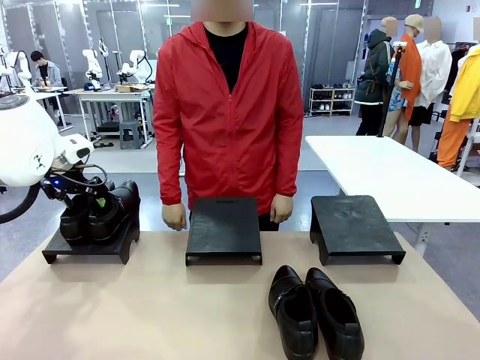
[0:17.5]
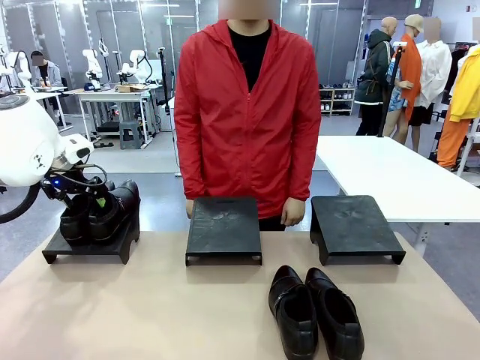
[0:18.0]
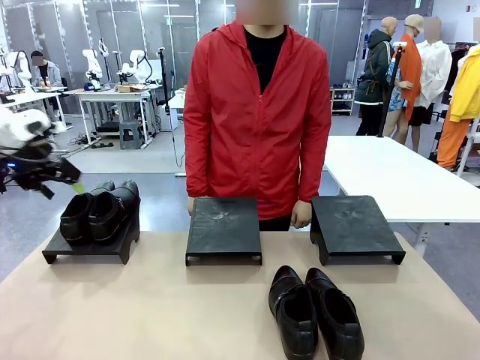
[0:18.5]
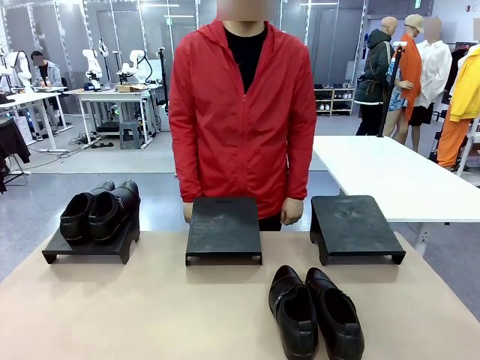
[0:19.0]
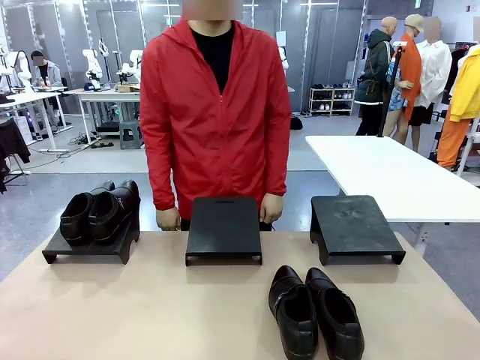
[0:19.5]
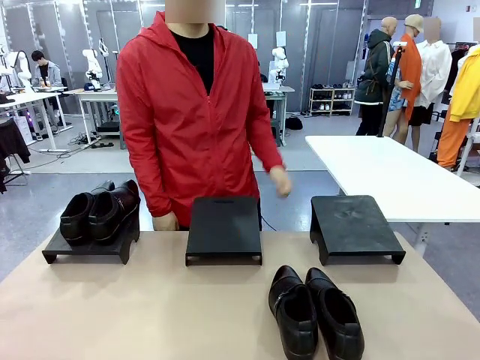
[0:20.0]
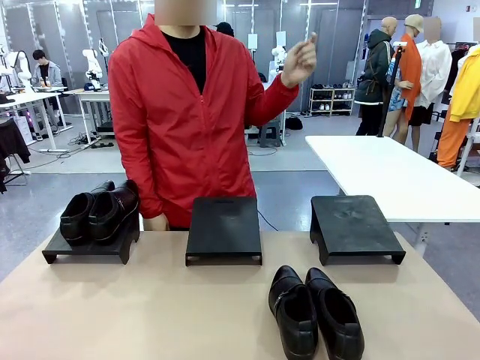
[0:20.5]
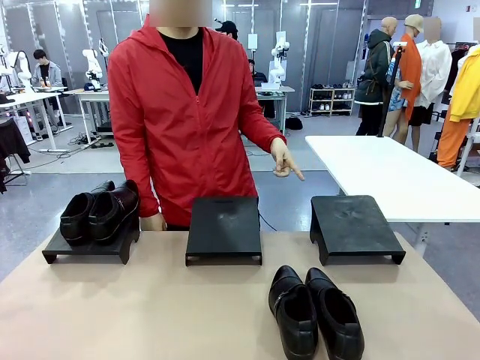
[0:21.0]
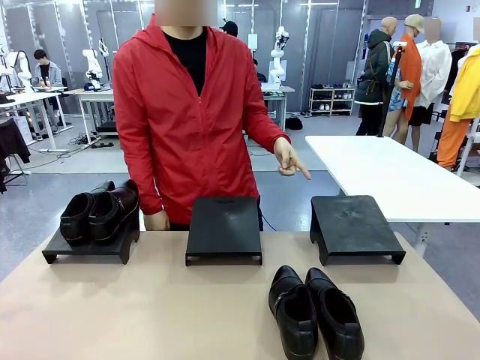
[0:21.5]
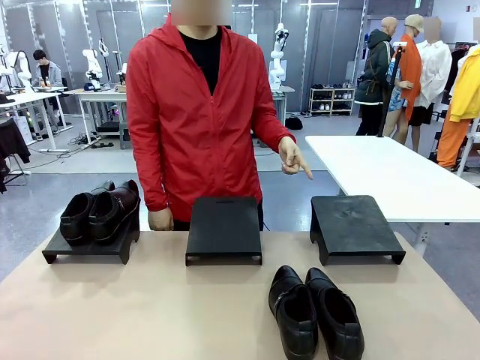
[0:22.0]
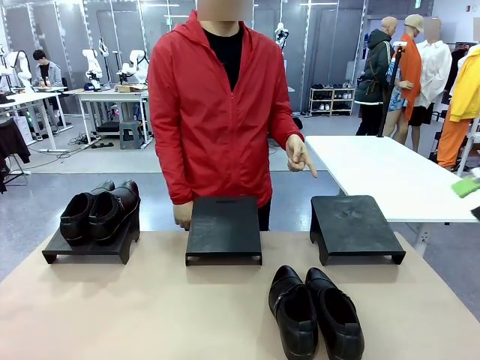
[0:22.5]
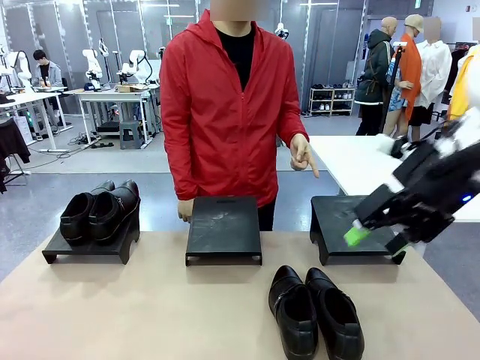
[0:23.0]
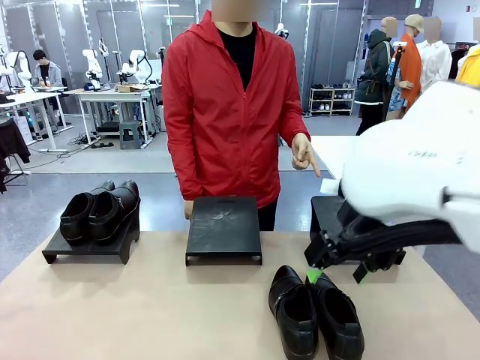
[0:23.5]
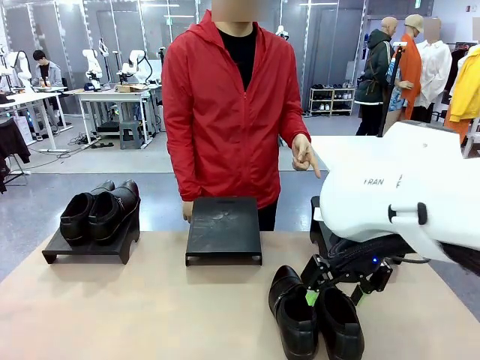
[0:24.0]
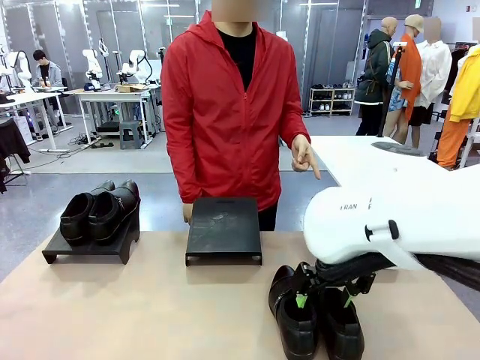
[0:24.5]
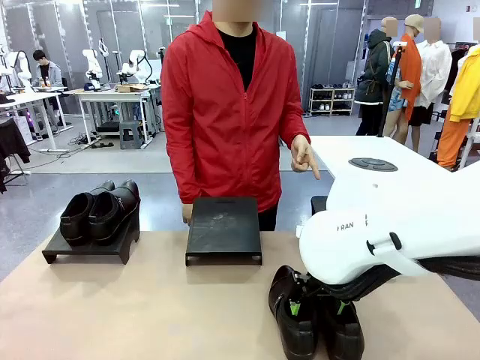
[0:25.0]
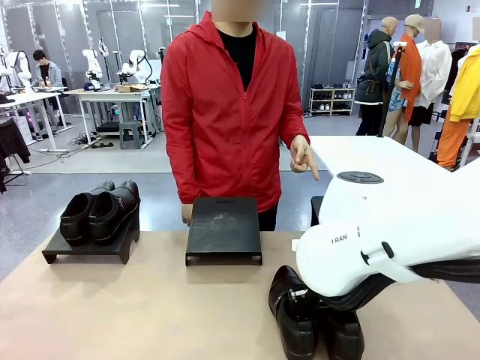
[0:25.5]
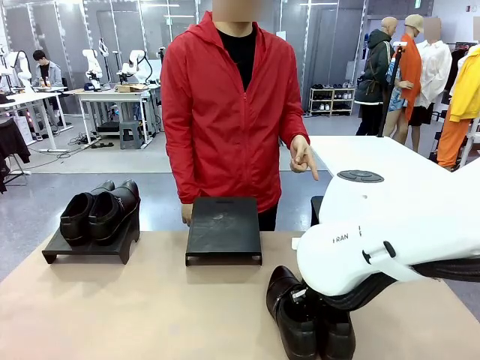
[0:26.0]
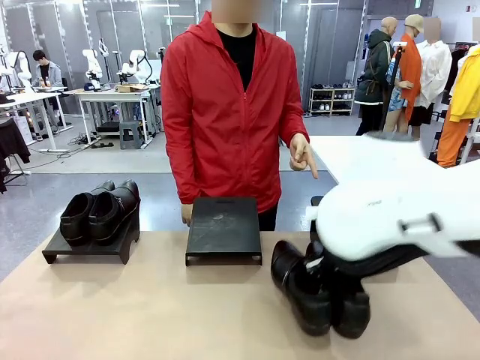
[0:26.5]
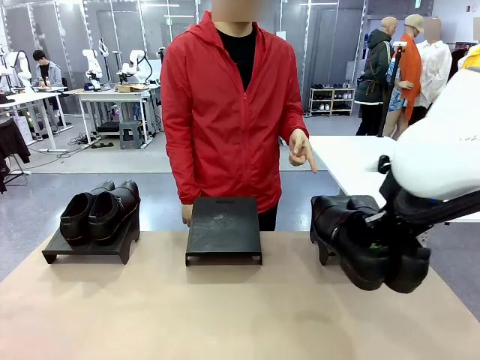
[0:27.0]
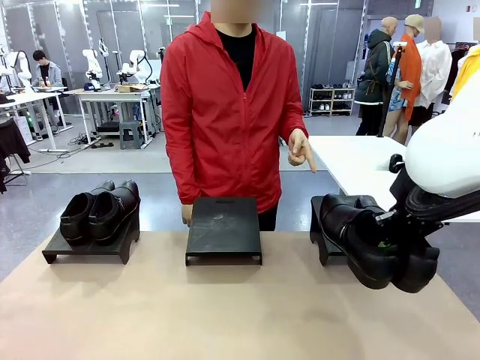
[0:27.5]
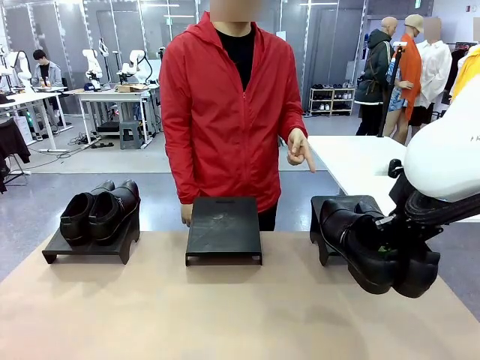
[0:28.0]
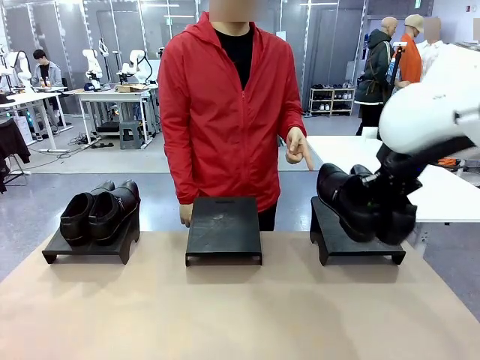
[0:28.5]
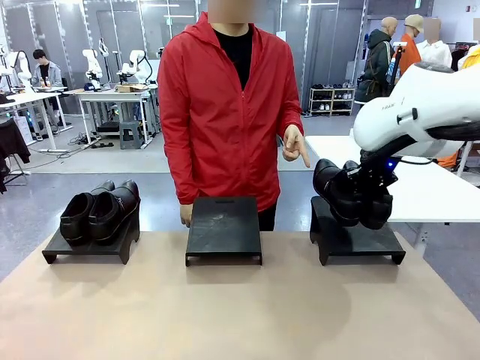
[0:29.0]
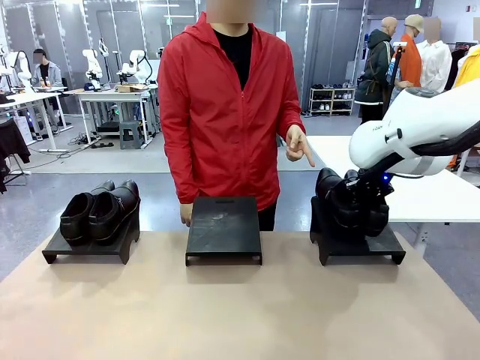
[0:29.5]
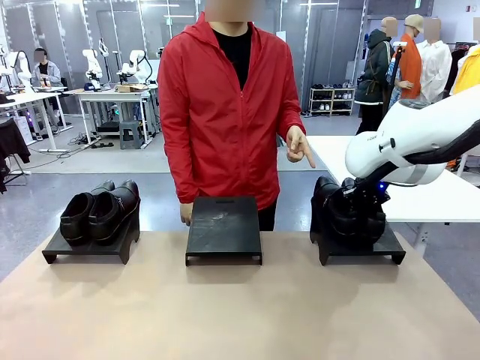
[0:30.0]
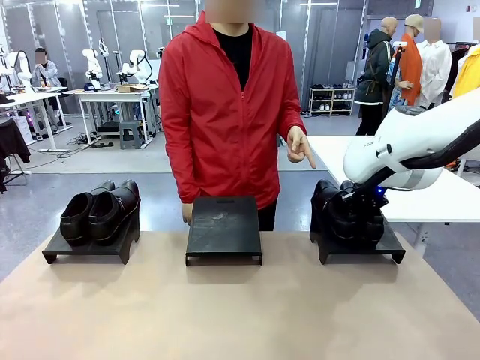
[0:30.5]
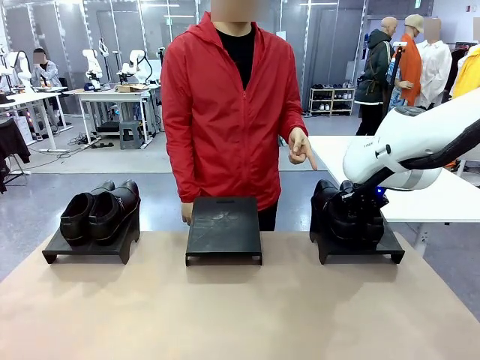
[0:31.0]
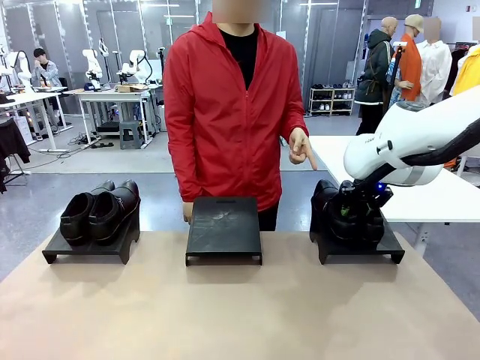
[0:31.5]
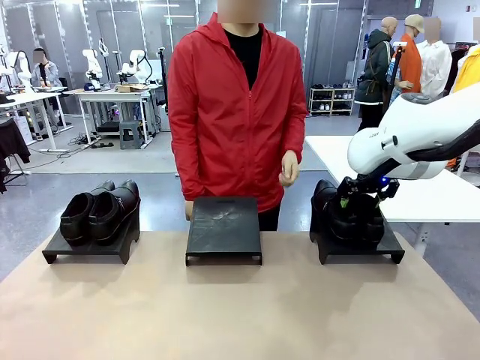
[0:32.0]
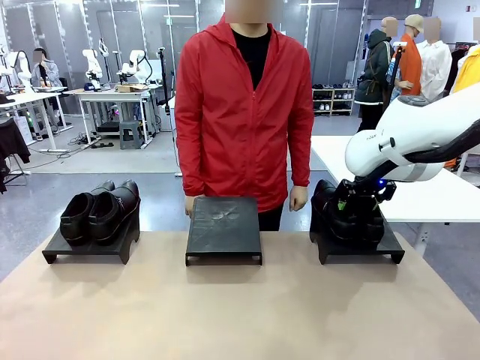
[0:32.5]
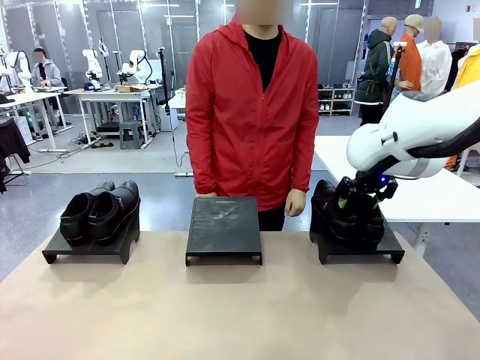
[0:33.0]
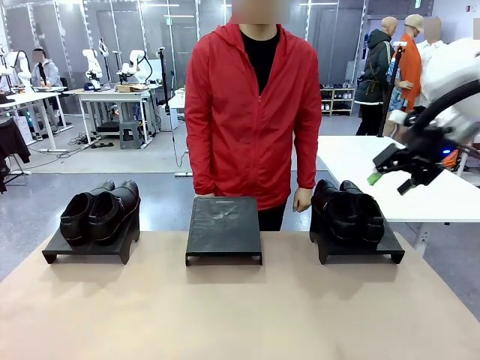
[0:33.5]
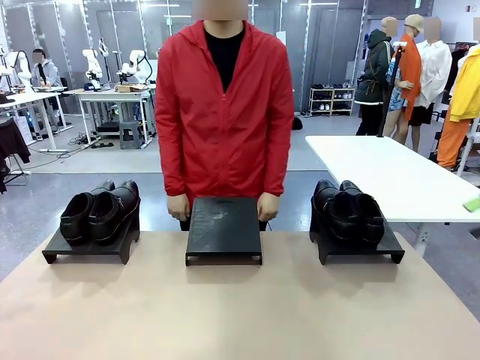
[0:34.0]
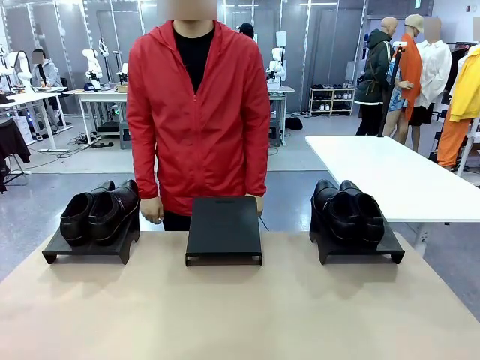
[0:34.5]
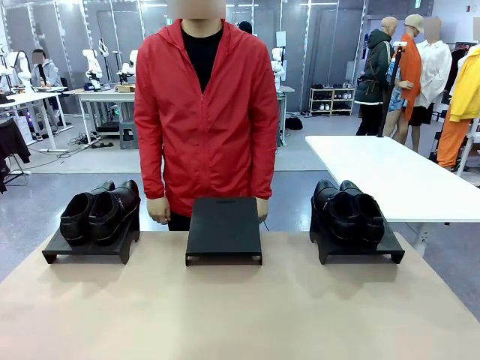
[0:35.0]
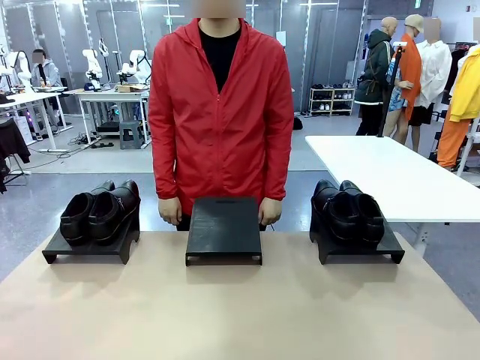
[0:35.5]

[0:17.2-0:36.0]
Task: Place the shoes on the stand as instructed by the person.
Robot: Pick up another pair of Shoes and place it on the Shoes Stand indicated by the person.
Person: Point to one Shoes Stand.

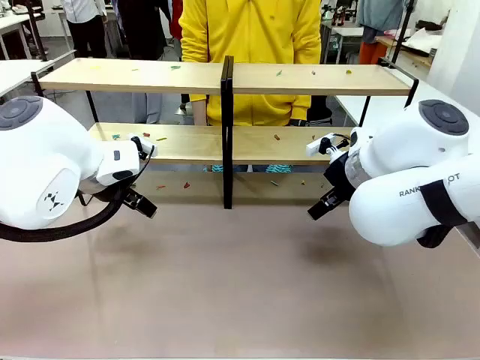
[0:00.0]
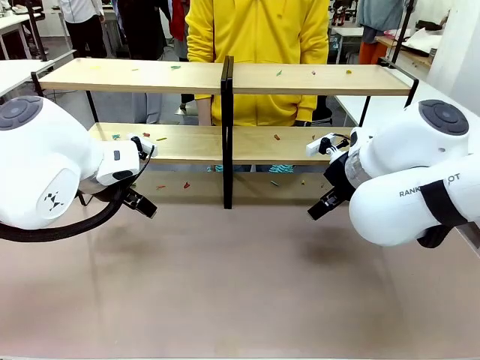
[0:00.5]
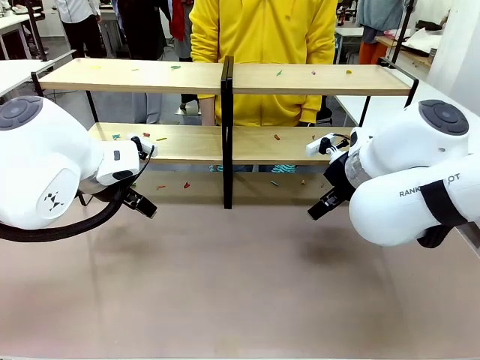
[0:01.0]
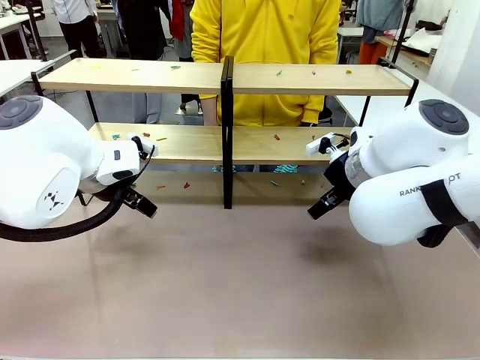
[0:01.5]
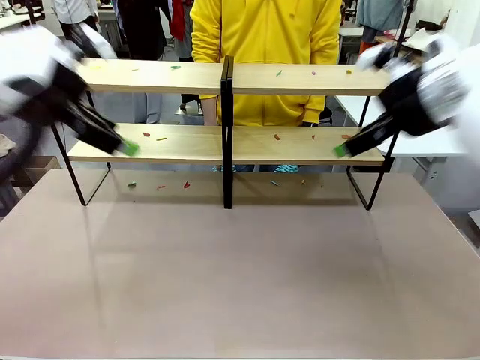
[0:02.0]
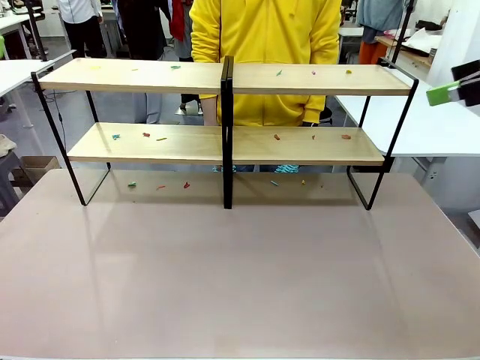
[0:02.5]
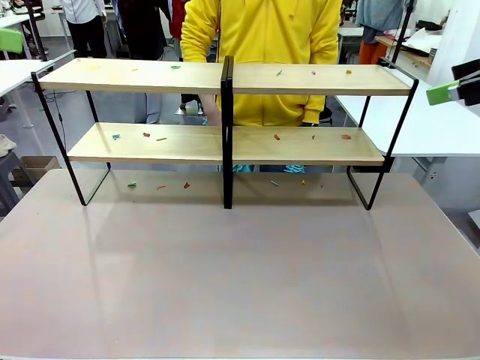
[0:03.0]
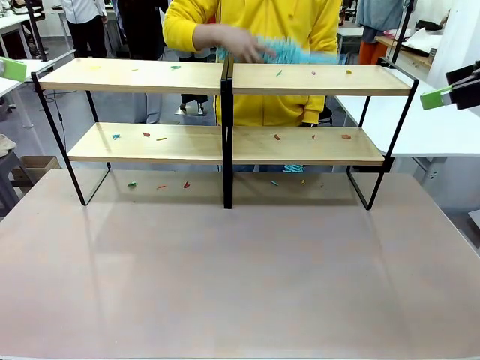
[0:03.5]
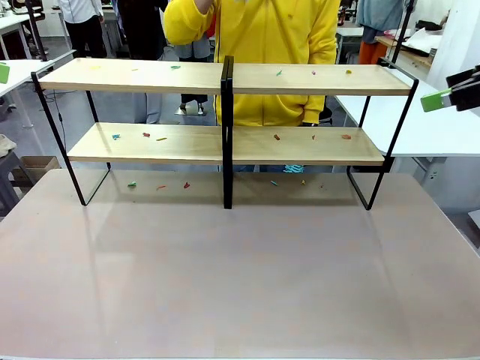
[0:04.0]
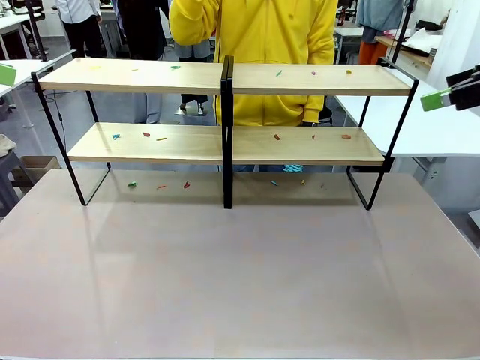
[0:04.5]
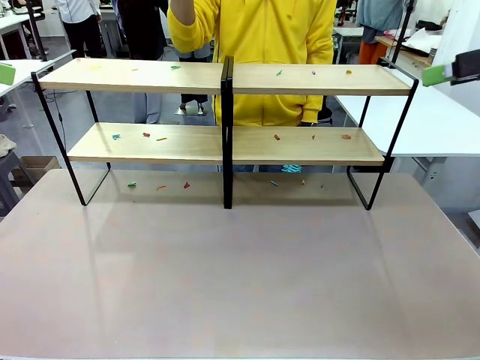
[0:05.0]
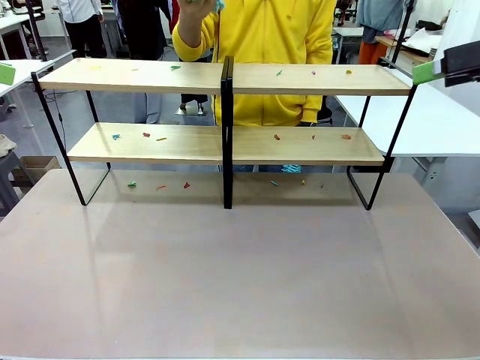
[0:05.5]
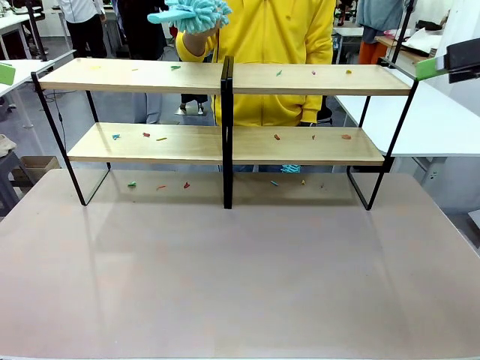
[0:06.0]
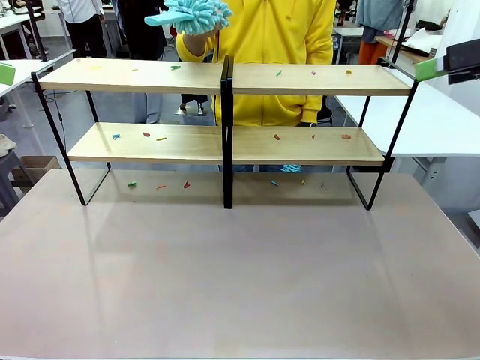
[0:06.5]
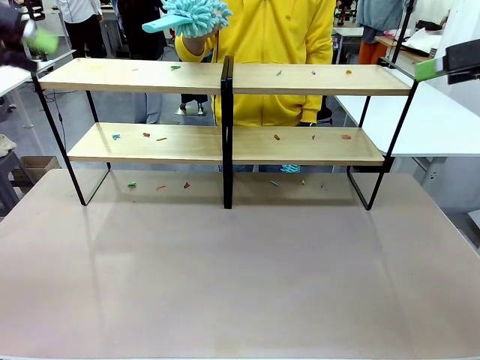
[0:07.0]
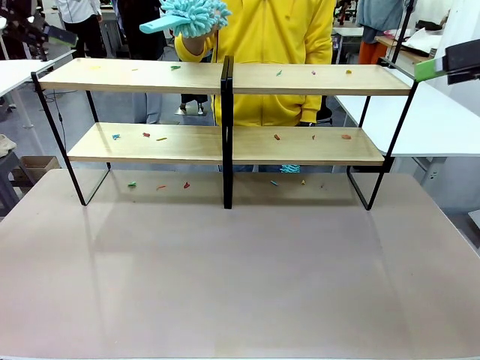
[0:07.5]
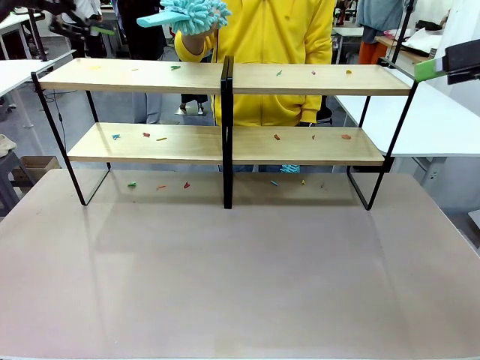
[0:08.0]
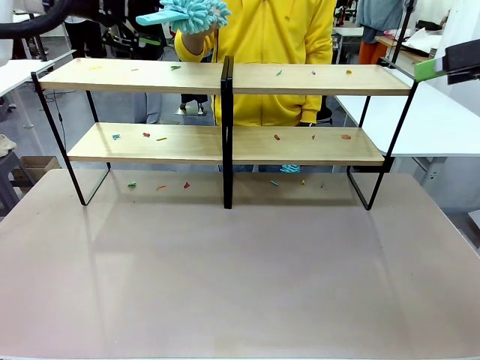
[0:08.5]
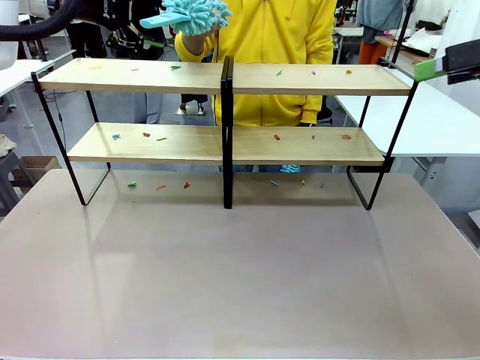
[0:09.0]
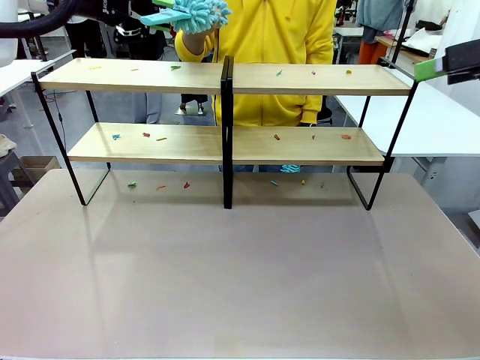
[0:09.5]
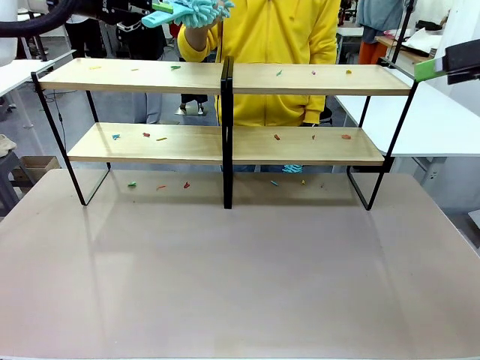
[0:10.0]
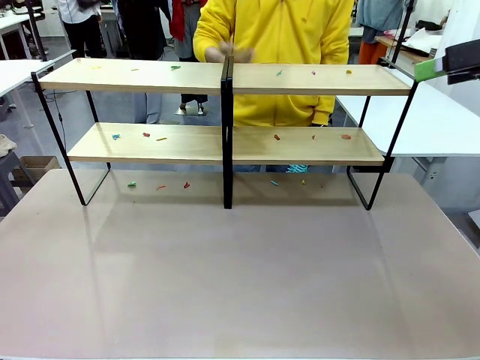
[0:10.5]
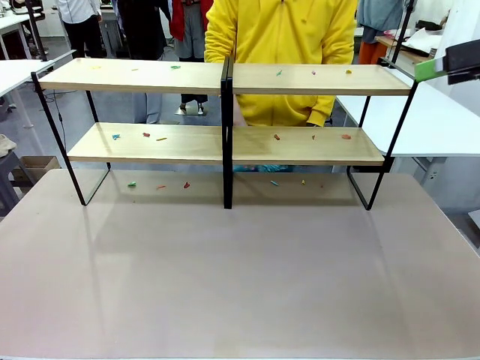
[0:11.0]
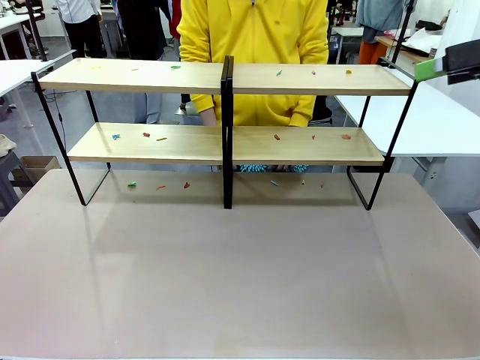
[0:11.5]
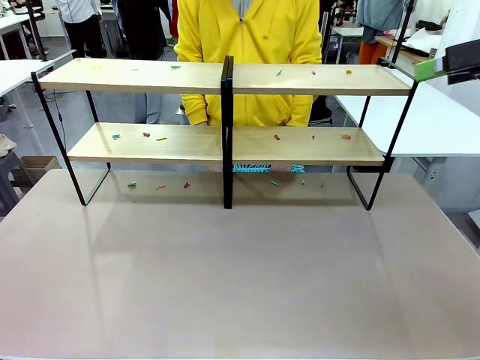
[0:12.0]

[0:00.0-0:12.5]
Task: Clean the shelves.
Robot: Pick up the Duster when the human hands it over.
Person: Hand the Duster to the robot with your right (or left) hand.
